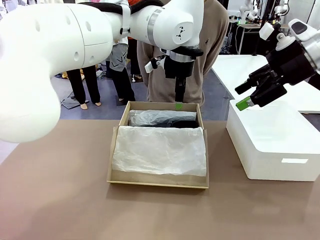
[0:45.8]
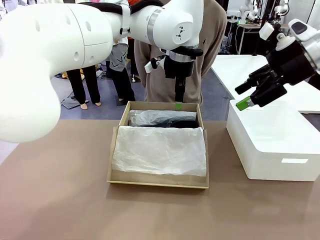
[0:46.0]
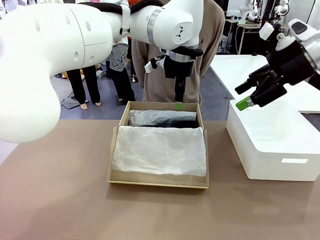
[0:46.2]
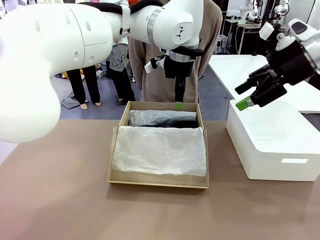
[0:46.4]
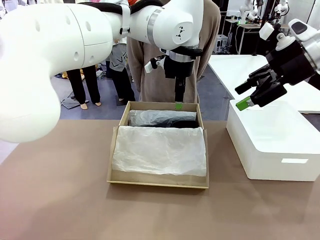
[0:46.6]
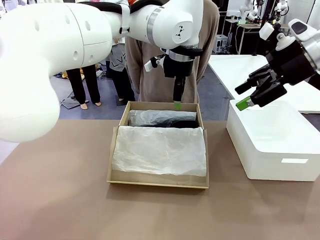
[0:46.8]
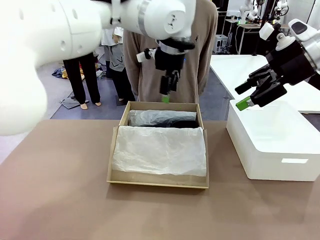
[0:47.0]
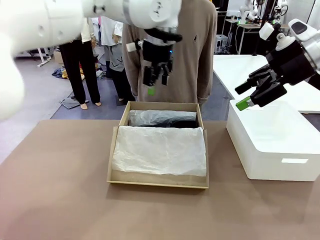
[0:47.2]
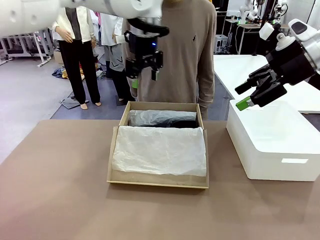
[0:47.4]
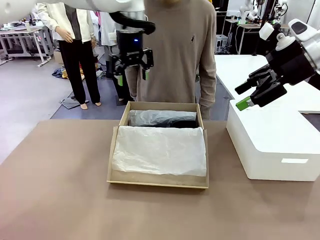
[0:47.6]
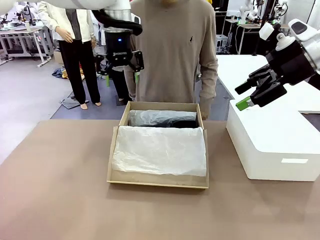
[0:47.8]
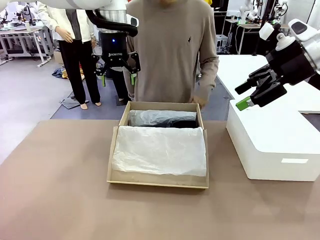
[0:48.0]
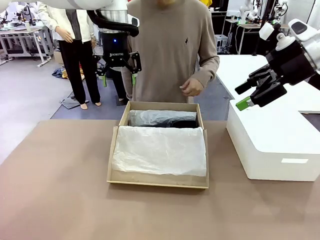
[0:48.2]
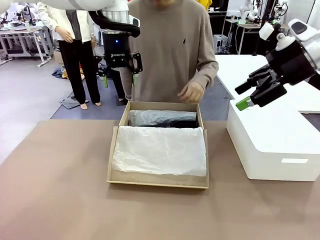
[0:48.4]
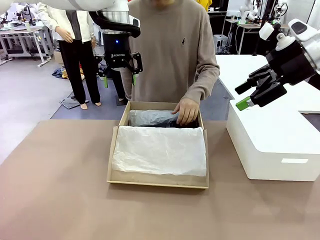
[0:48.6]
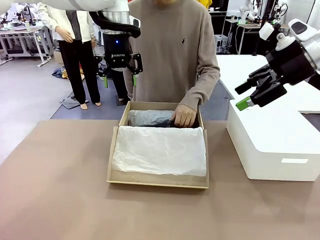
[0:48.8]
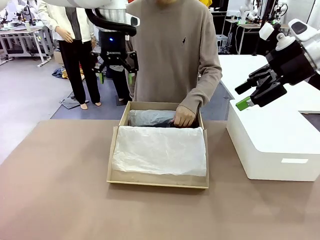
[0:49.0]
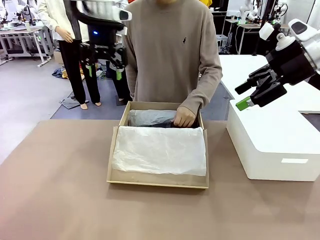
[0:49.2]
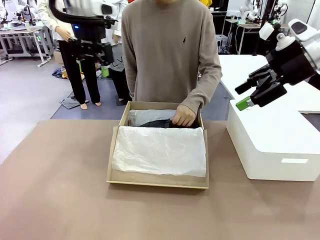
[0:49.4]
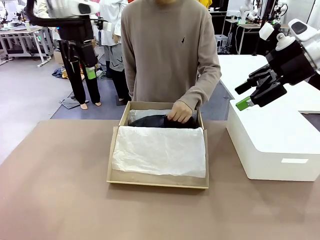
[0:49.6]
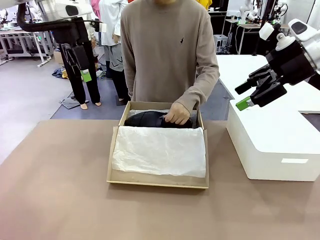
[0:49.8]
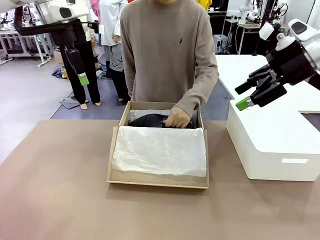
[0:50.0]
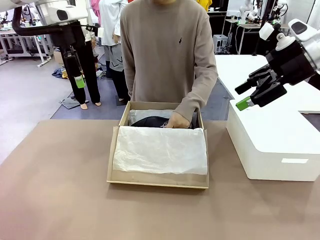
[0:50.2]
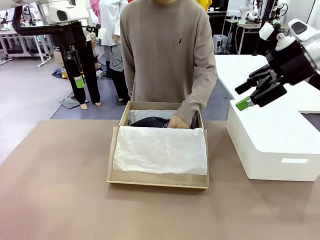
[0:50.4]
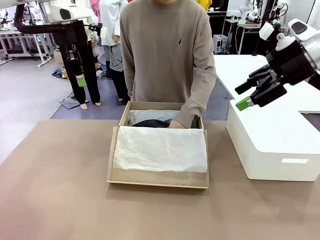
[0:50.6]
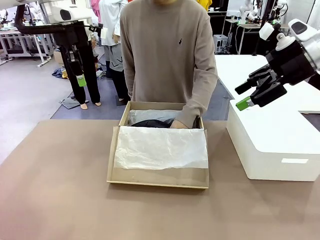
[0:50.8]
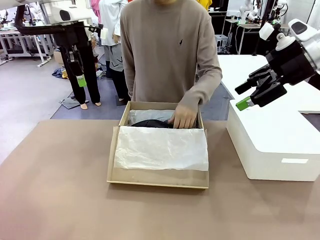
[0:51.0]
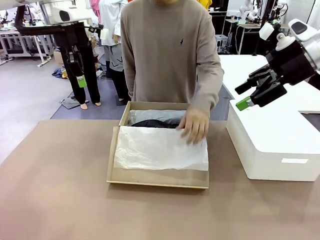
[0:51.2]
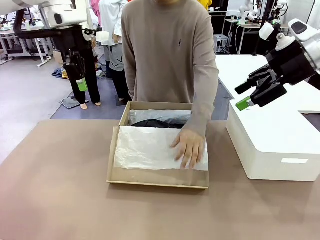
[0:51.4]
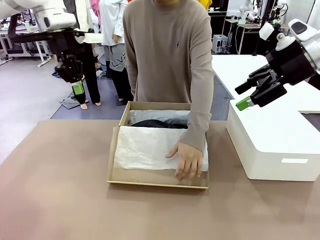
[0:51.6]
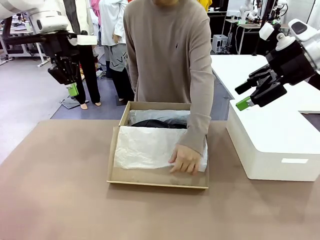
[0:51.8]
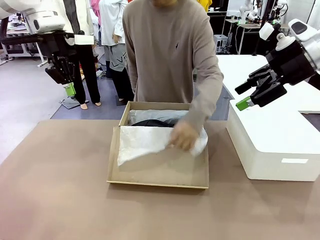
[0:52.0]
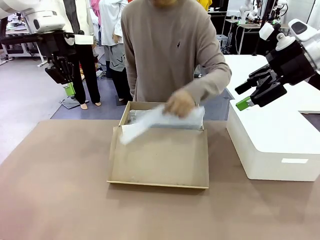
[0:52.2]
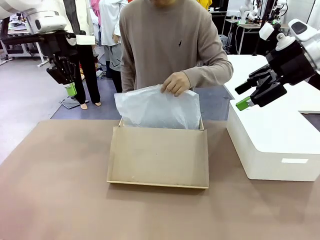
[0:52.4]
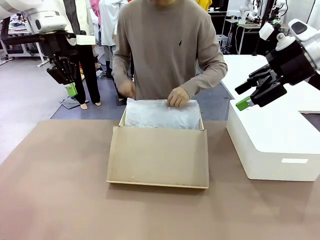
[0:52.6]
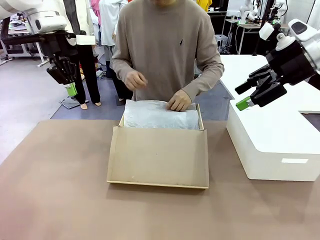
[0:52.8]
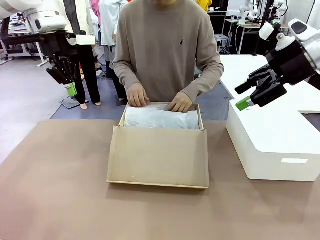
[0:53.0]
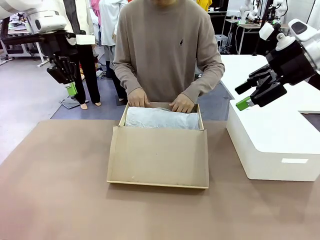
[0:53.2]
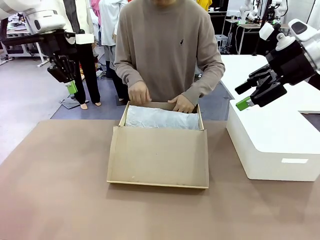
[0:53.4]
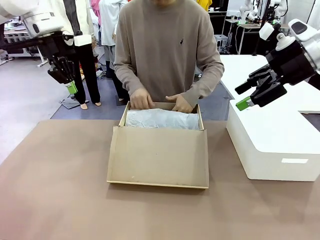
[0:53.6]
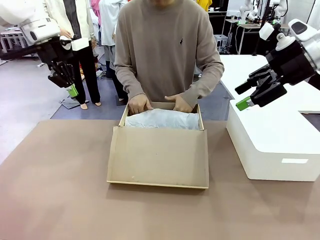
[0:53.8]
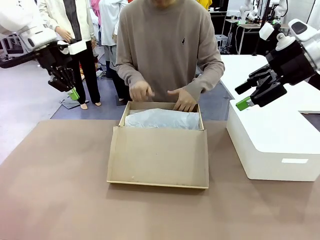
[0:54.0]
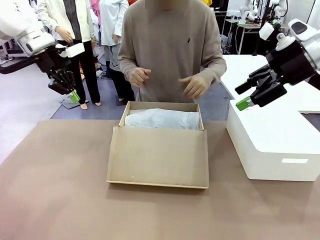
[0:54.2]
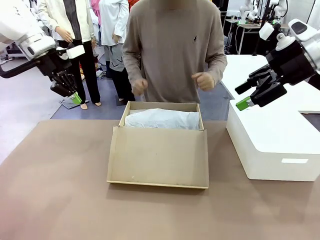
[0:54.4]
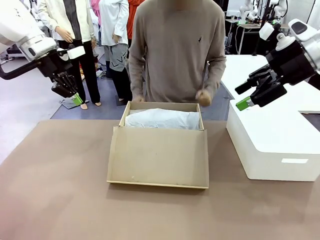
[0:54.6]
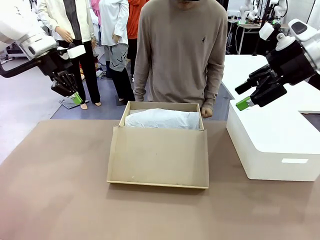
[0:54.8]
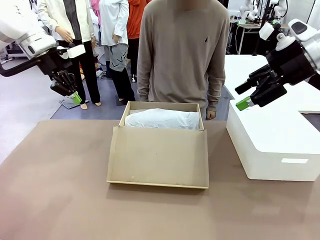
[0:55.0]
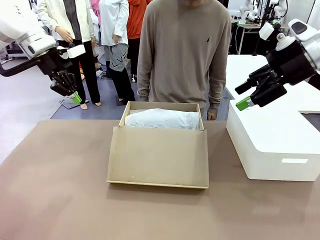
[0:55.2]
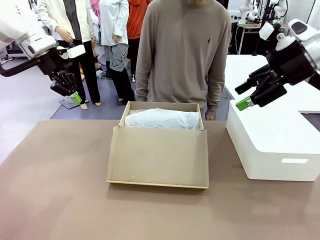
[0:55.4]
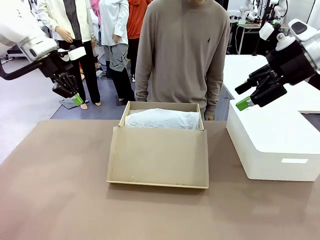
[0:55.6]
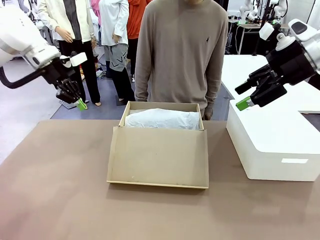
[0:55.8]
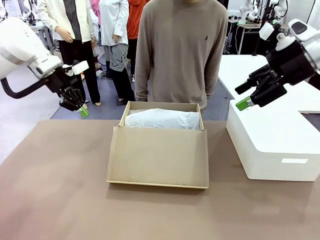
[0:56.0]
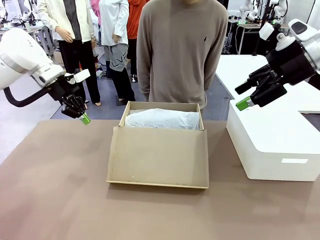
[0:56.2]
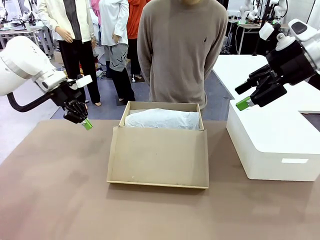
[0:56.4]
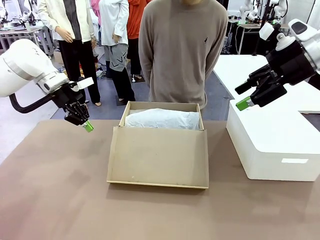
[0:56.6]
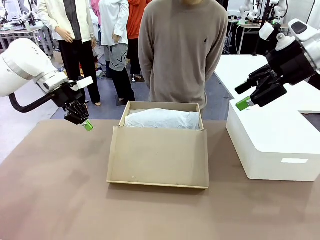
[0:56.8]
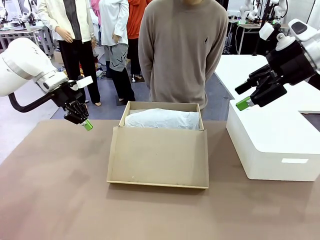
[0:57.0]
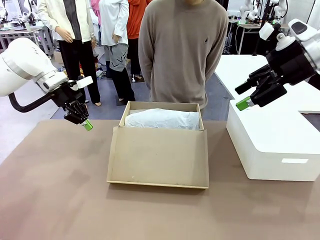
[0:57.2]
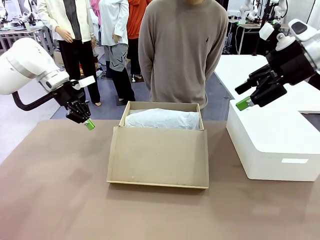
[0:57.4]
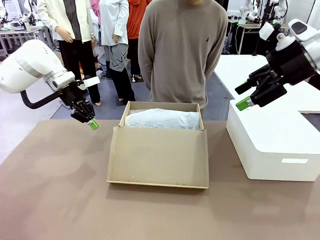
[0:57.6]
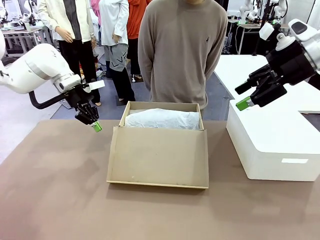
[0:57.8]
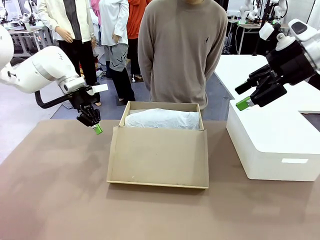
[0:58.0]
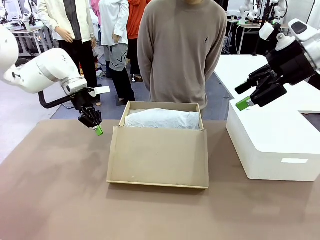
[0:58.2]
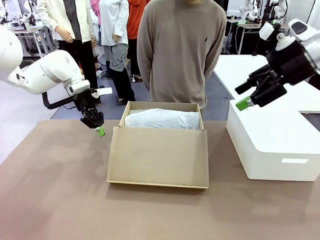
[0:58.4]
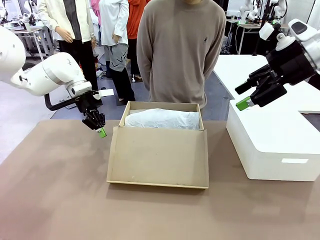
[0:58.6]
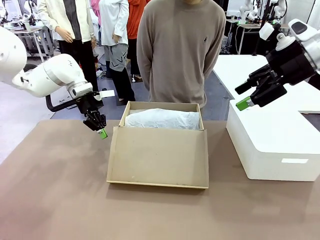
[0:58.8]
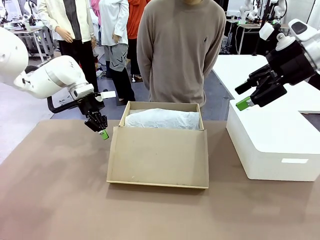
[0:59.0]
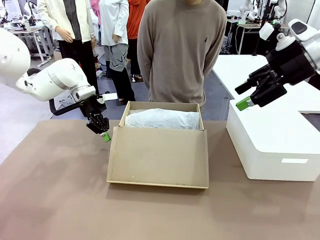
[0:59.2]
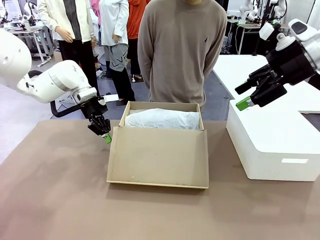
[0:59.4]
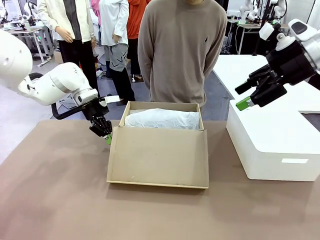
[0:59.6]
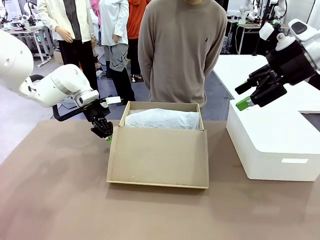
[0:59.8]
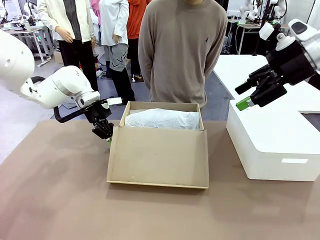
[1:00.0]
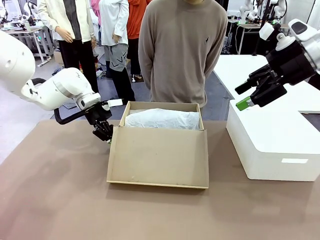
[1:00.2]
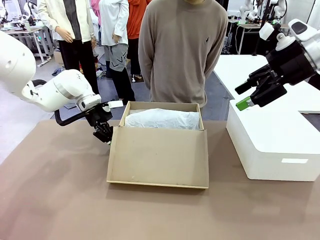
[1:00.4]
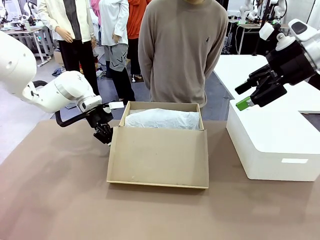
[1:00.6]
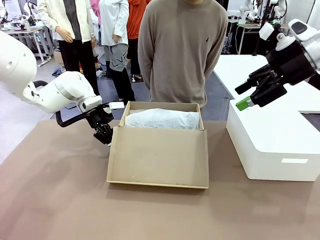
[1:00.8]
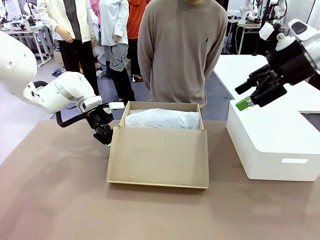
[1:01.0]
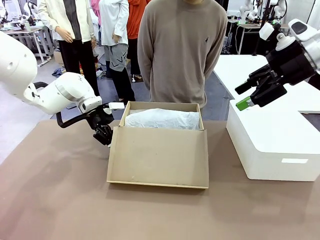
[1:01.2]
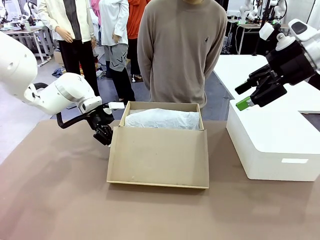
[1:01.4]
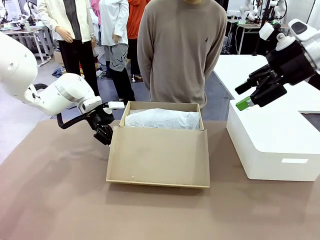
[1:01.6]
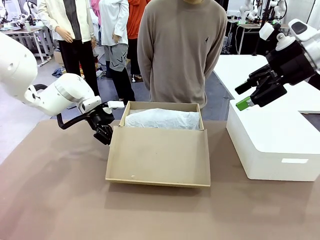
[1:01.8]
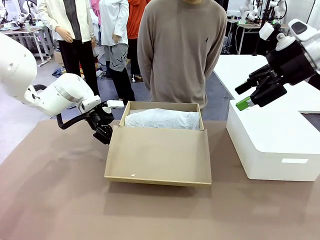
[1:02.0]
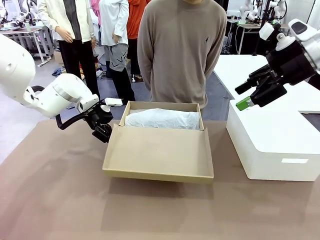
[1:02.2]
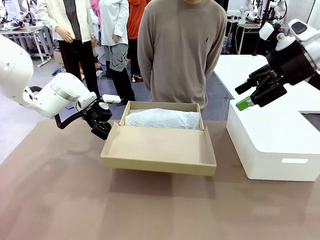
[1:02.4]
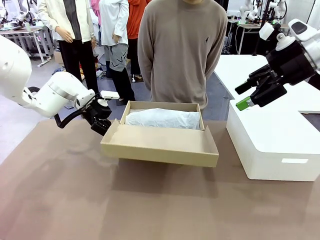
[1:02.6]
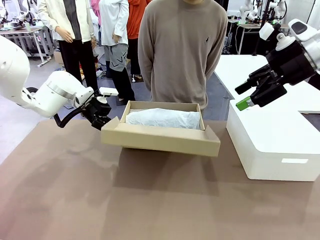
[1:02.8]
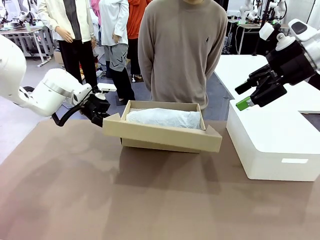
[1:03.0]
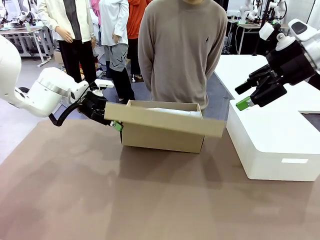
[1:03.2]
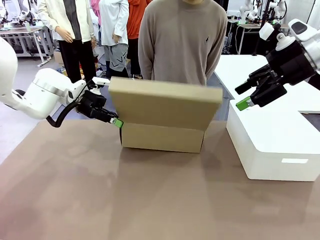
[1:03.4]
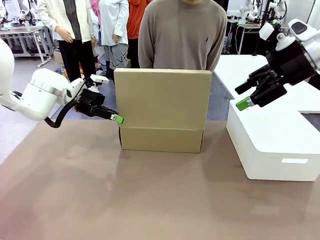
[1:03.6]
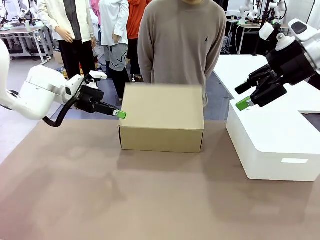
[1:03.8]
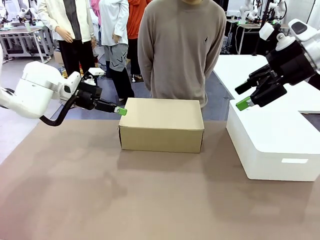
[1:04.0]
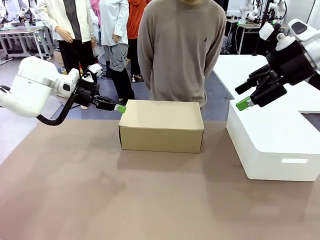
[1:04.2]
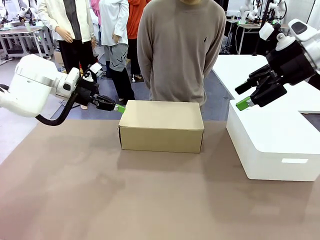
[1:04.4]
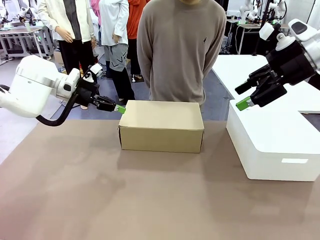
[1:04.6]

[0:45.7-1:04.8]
Task: Pack the shoes into the box.
Robot: Close the Shoes Box.
